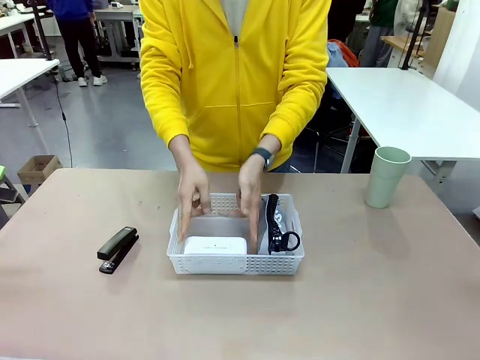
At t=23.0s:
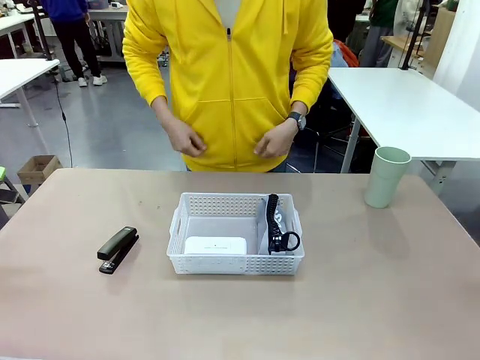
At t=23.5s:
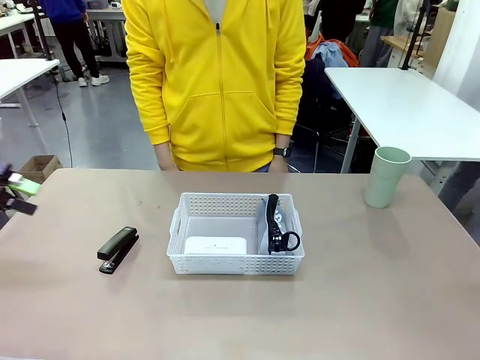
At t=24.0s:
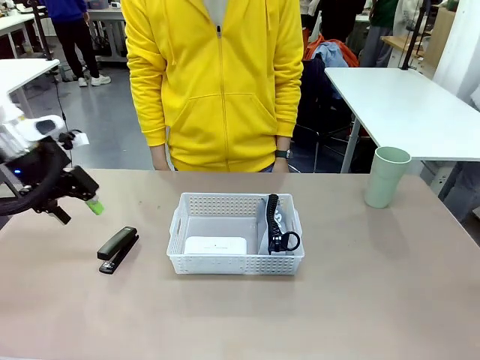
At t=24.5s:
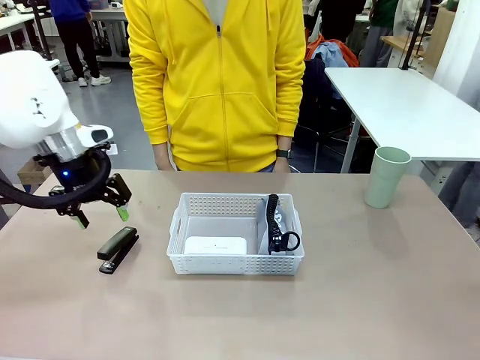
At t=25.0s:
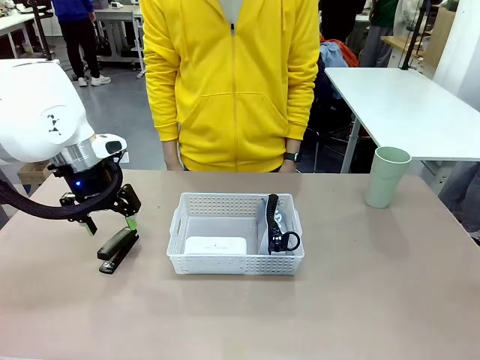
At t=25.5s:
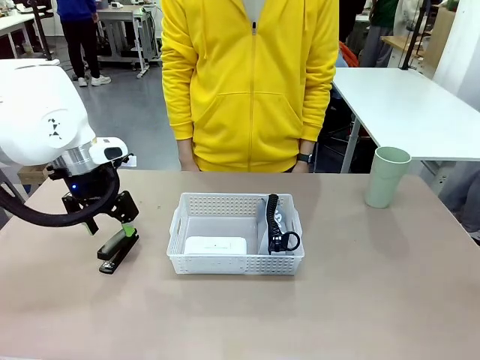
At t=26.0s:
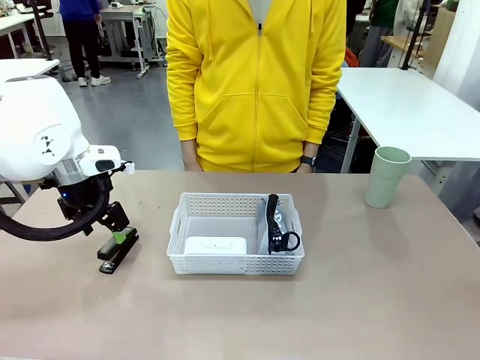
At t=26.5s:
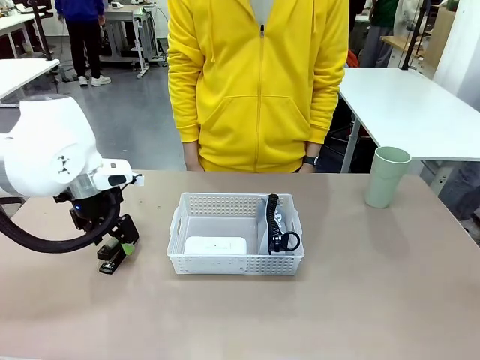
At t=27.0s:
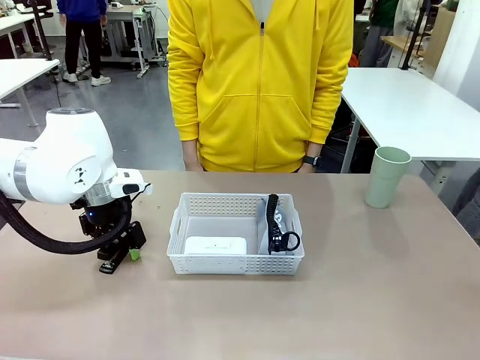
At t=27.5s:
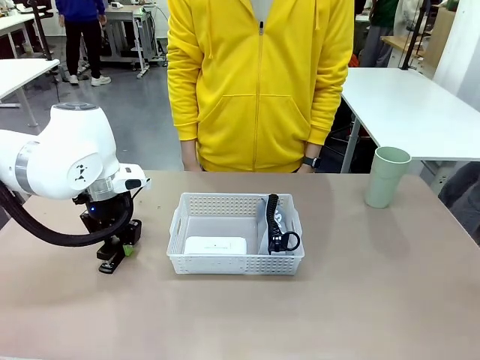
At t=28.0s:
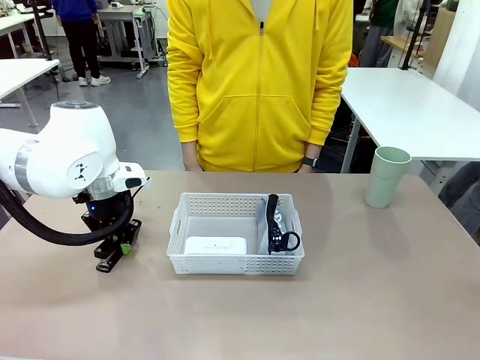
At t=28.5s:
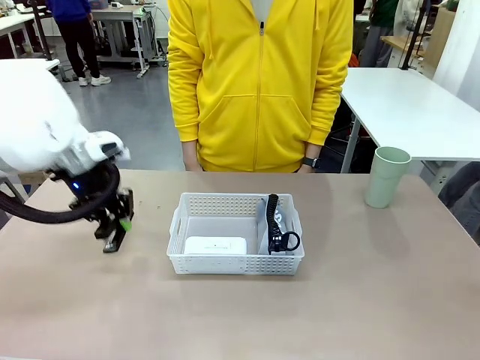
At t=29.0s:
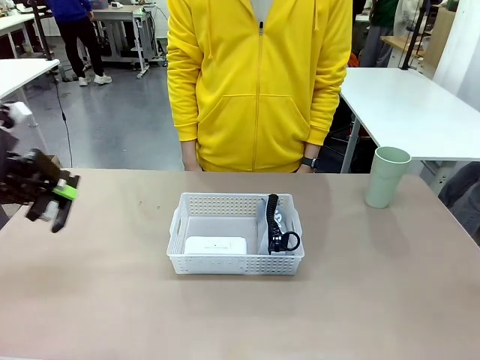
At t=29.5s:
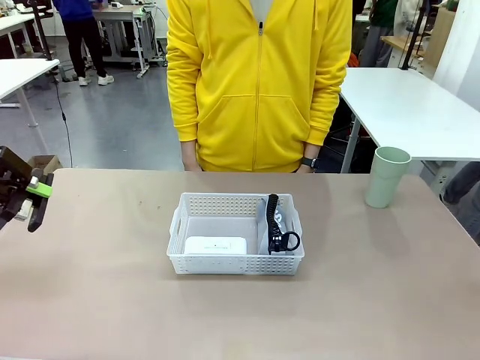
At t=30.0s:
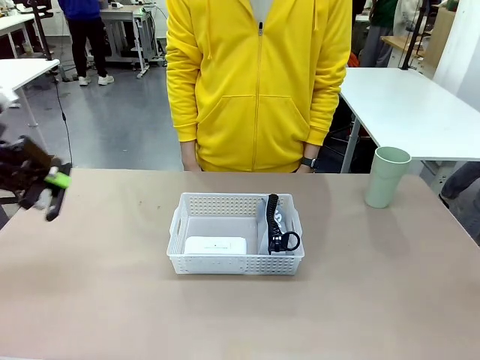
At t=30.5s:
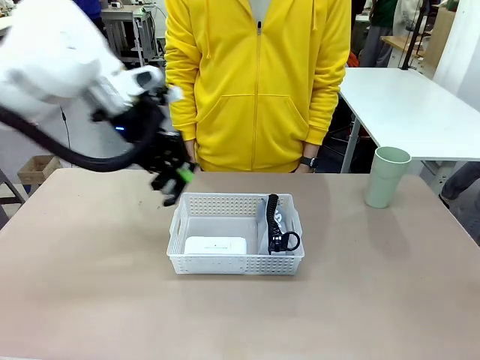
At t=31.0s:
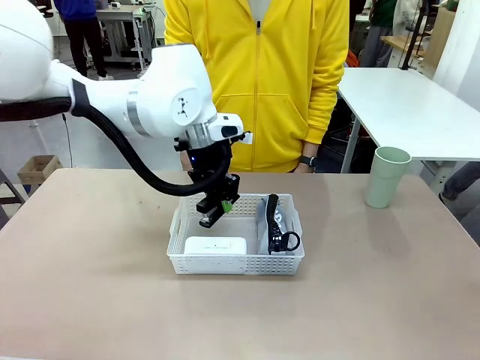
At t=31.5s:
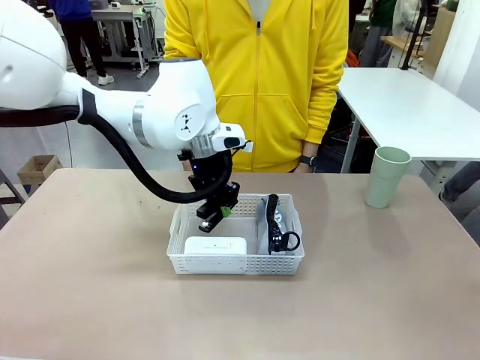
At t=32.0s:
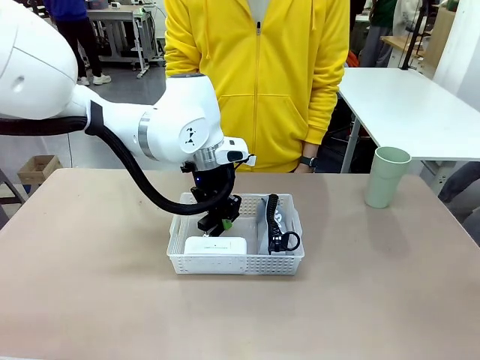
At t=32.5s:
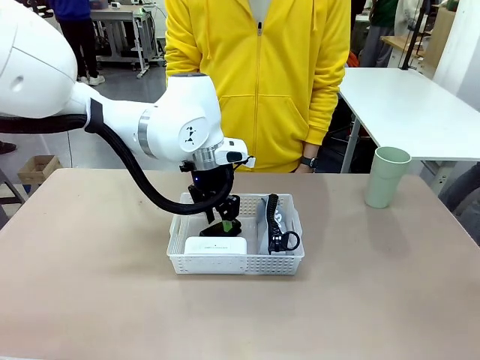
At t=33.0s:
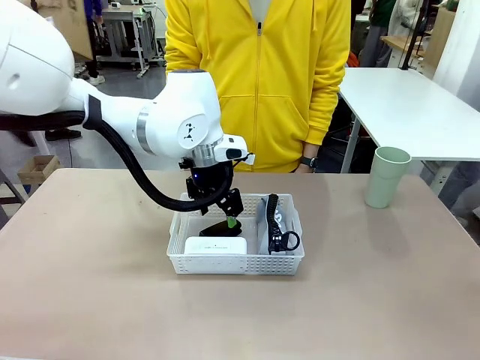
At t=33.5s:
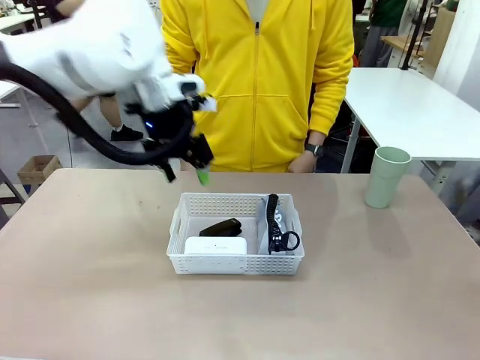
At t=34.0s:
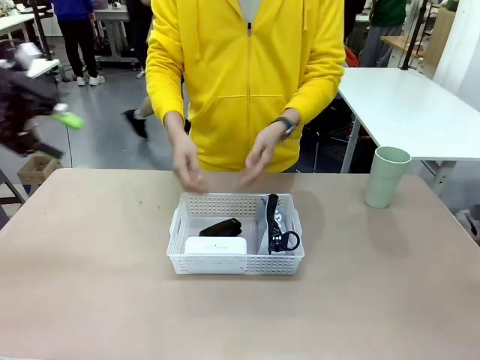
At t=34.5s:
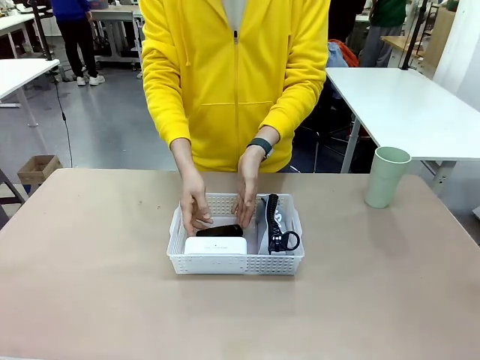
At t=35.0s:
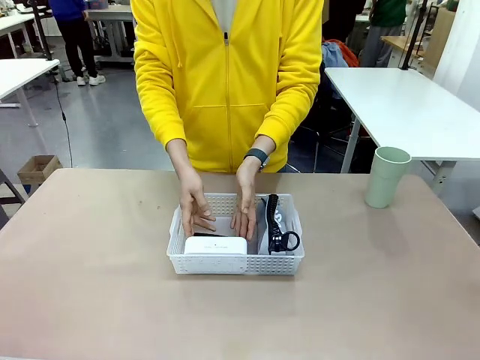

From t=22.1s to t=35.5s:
Task: Efficiently arrange items inside the basket to fit them all.
Robot: Pick up the Stapler and place it inside the Organizing basket.

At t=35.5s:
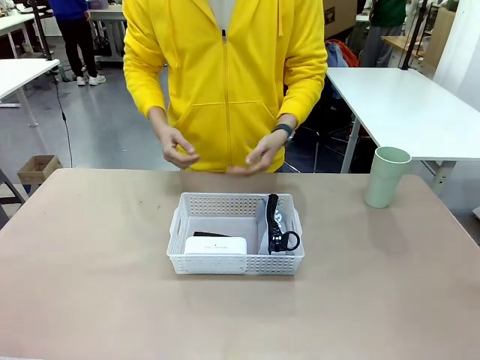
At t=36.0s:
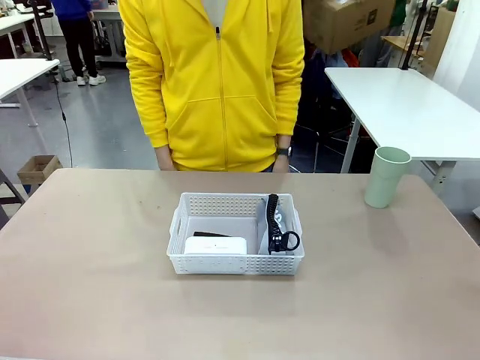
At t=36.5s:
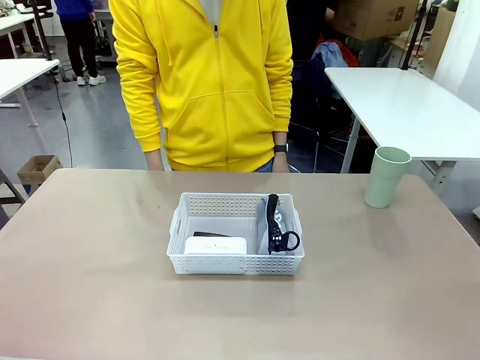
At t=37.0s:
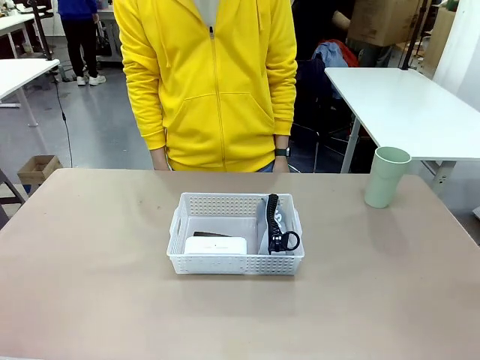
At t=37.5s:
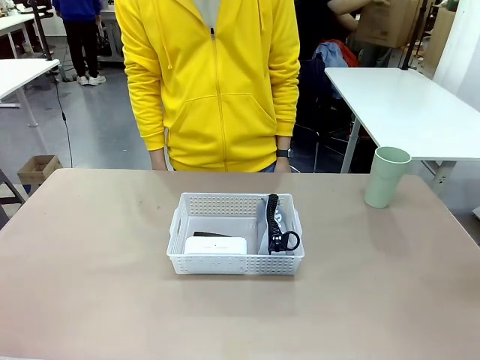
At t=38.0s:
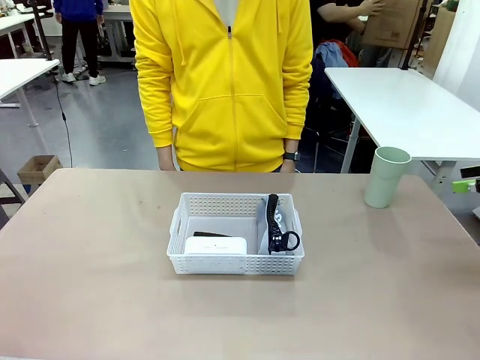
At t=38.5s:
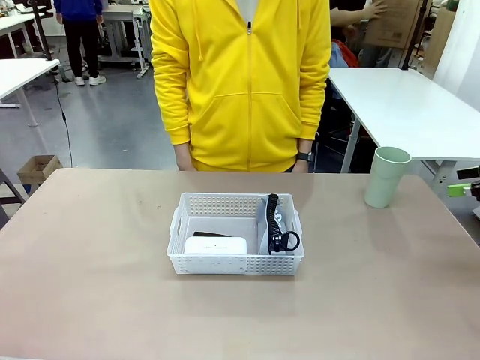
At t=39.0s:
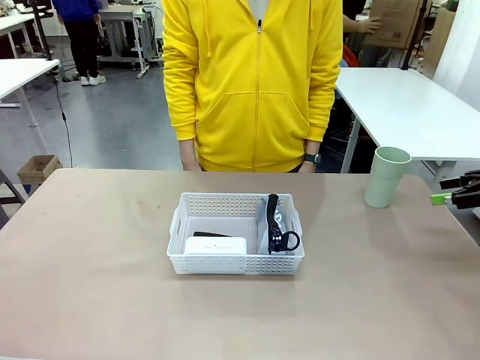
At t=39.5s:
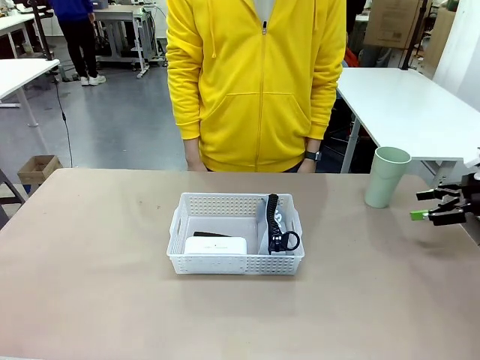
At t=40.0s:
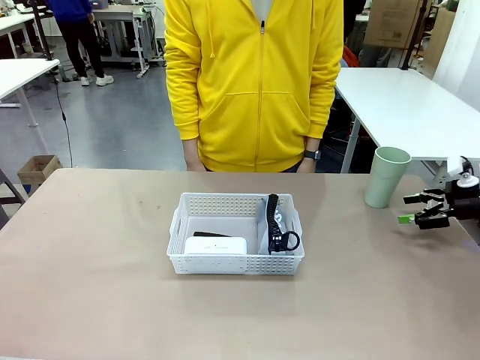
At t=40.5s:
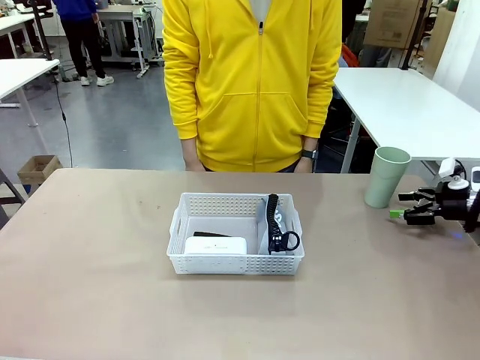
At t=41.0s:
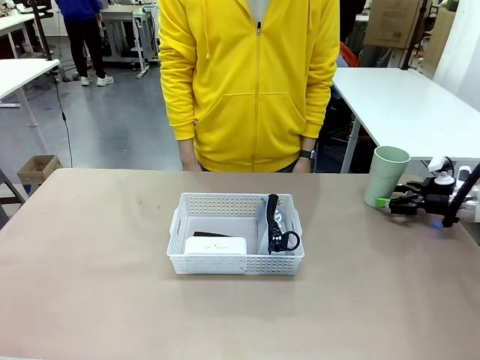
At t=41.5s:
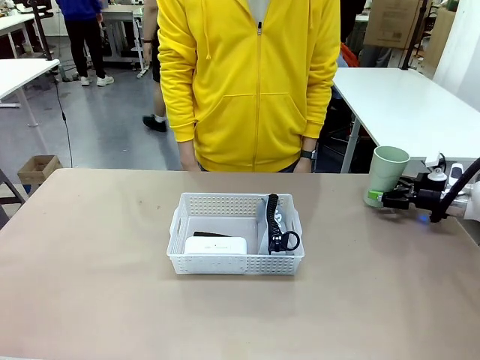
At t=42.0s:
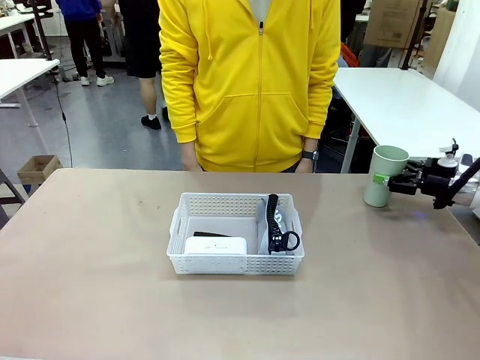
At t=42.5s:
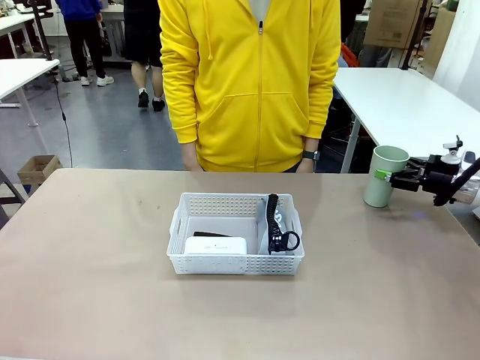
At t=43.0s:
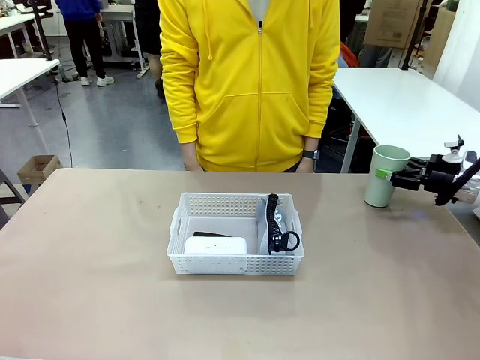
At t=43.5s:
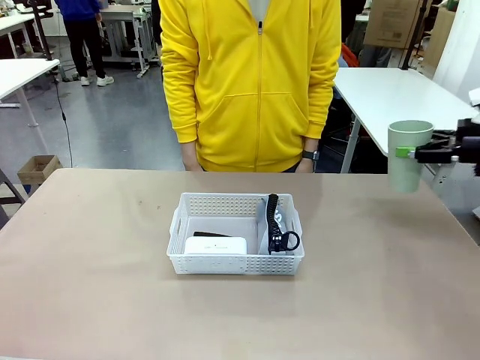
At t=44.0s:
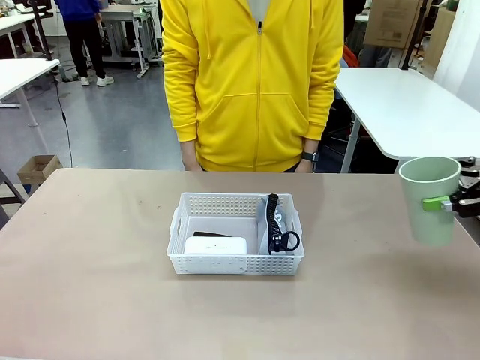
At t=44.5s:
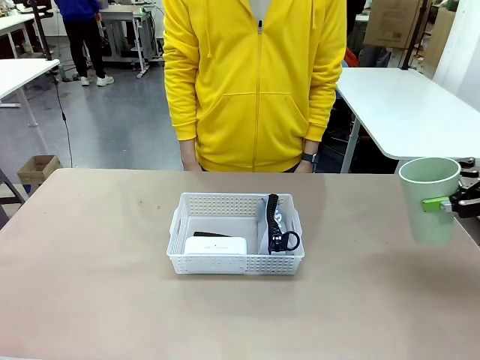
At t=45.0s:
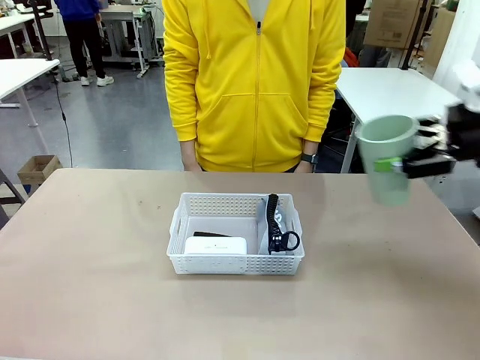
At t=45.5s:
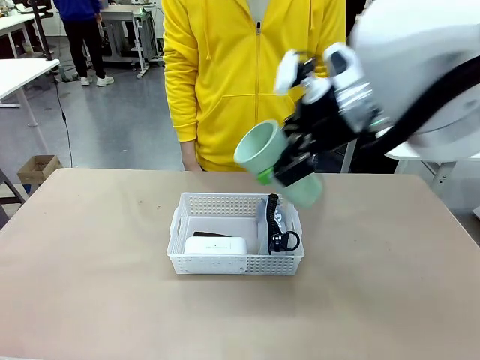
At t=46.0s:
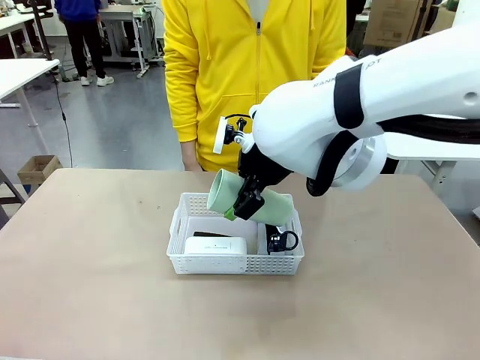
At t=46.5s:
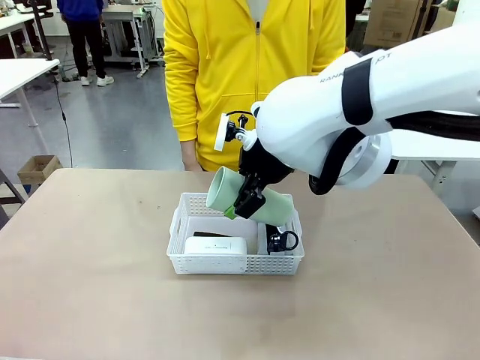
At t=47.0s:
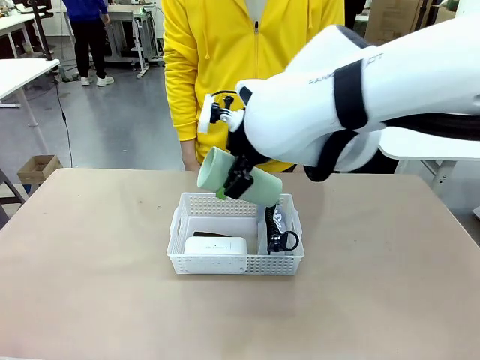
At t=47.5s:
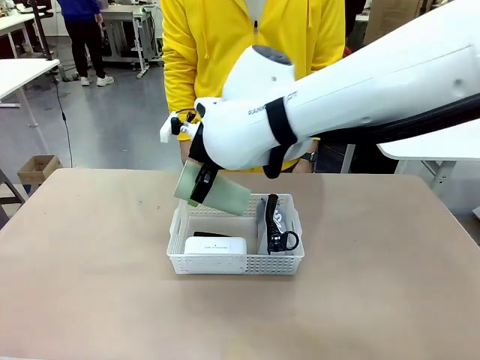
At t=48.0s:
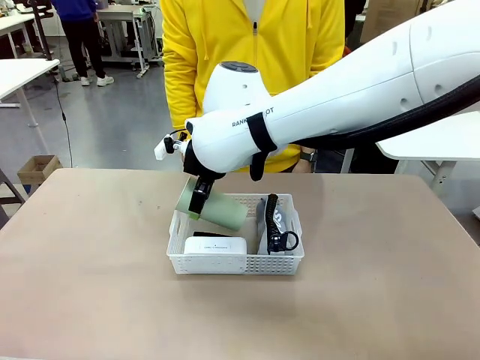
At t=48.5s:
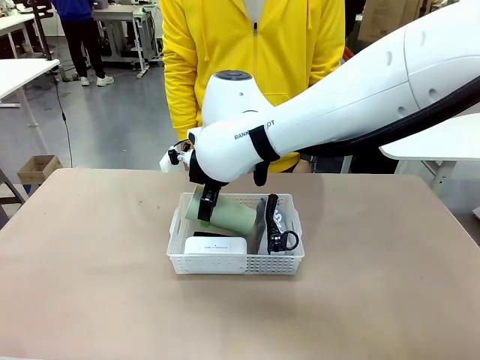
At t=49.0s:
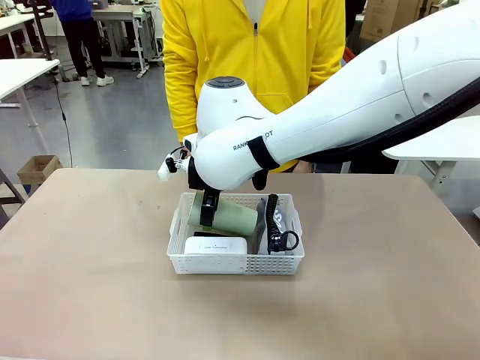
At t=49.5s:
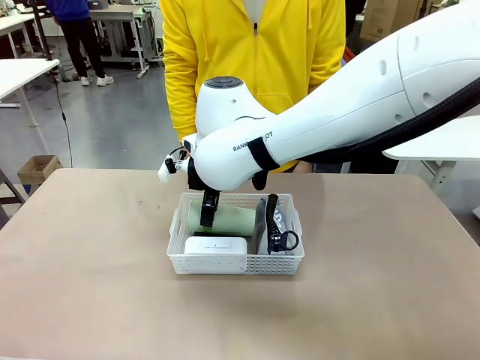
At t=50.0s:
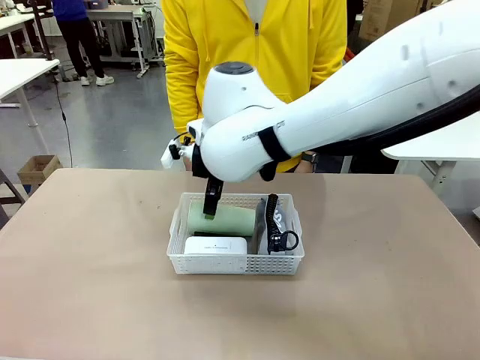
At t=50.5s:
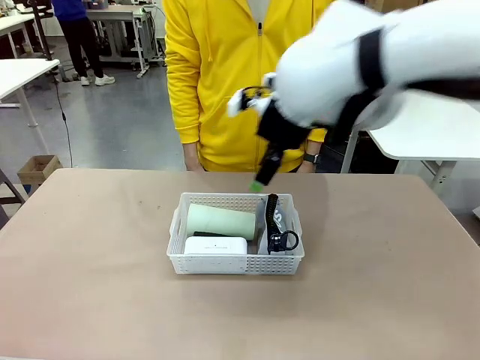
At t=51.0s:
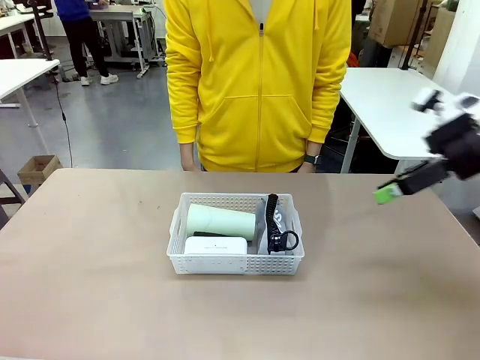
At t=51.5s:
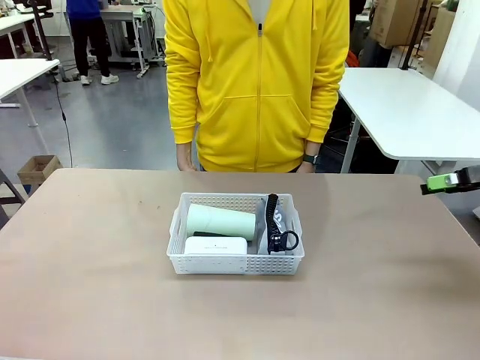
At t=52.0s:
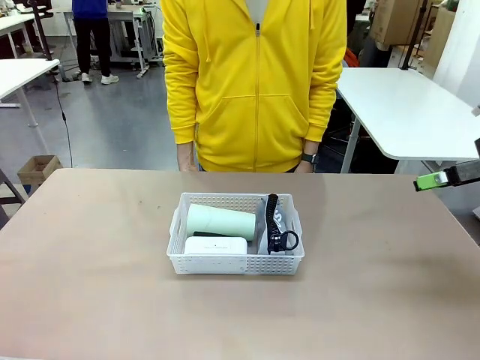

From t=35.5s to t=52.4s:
Robot: Pick up the Reusable plastic cup and place it inside the Organizing basket.
Person: Repositions the stapler.
